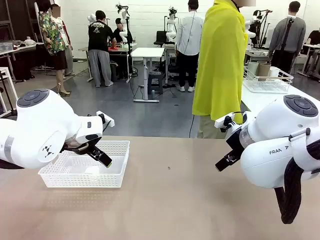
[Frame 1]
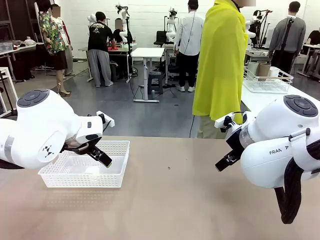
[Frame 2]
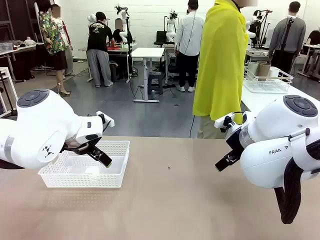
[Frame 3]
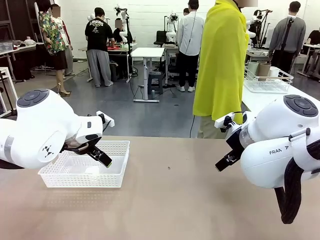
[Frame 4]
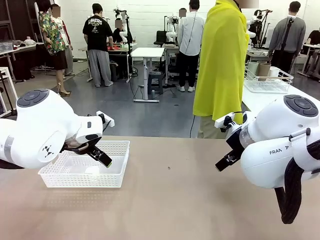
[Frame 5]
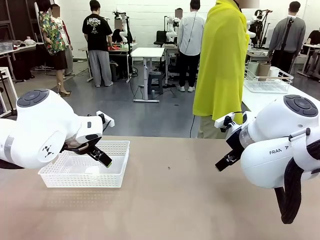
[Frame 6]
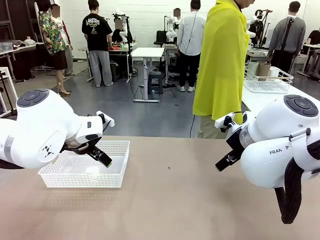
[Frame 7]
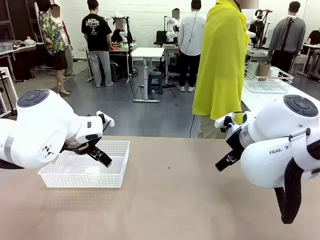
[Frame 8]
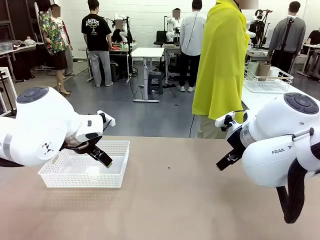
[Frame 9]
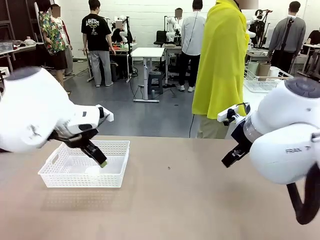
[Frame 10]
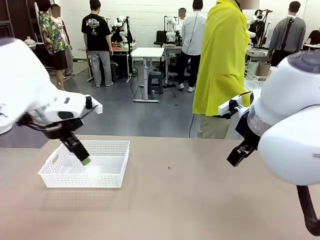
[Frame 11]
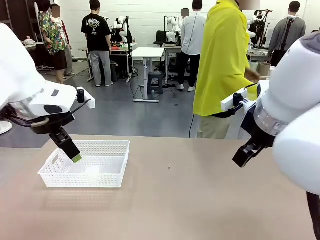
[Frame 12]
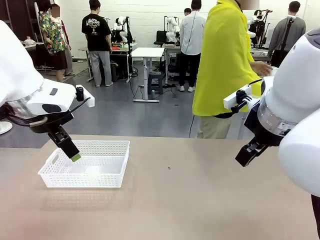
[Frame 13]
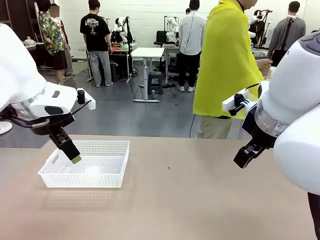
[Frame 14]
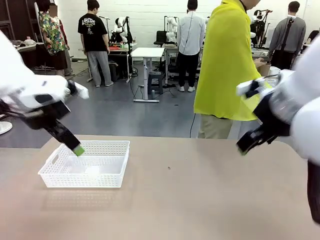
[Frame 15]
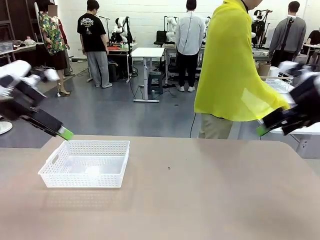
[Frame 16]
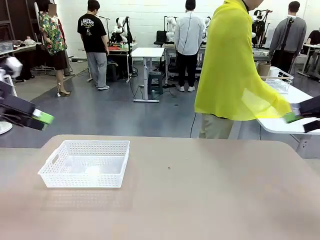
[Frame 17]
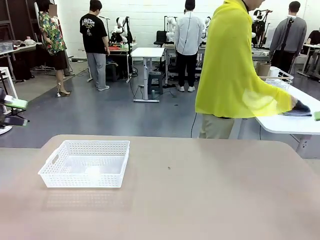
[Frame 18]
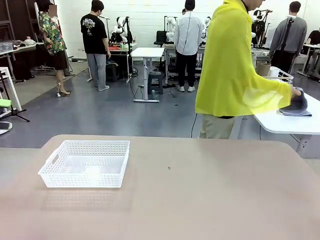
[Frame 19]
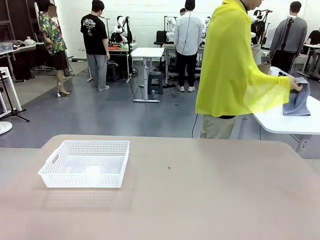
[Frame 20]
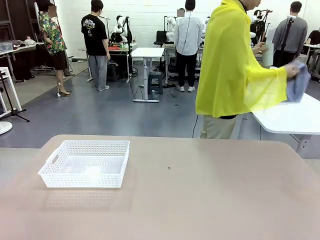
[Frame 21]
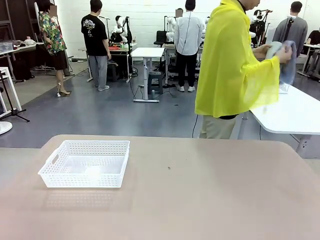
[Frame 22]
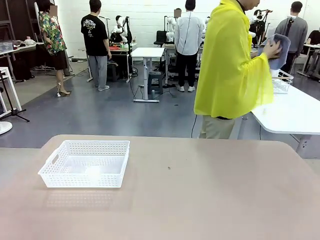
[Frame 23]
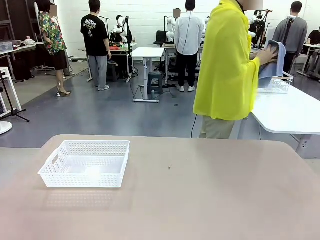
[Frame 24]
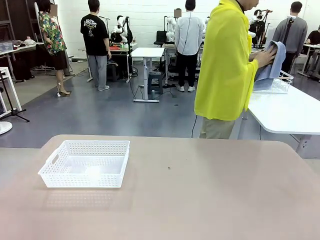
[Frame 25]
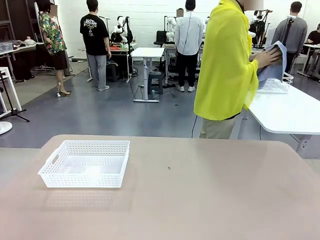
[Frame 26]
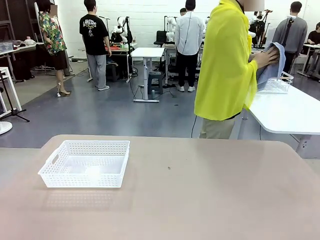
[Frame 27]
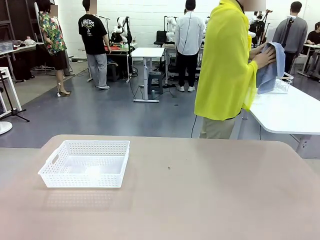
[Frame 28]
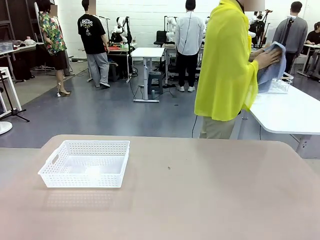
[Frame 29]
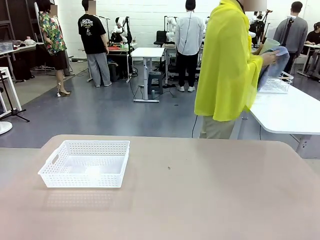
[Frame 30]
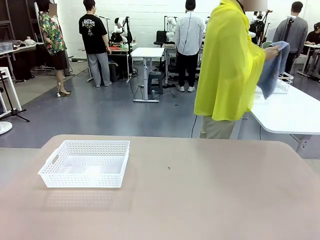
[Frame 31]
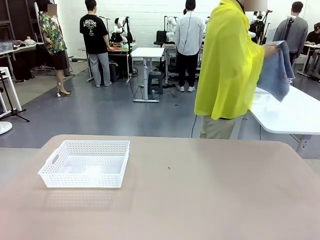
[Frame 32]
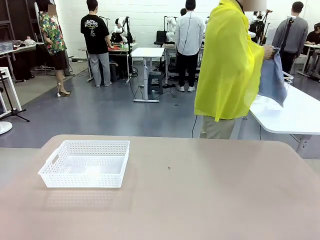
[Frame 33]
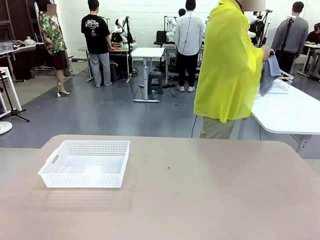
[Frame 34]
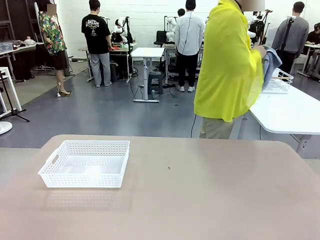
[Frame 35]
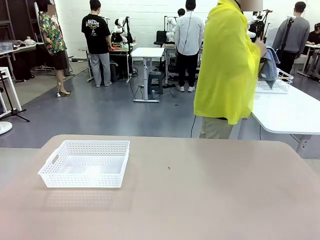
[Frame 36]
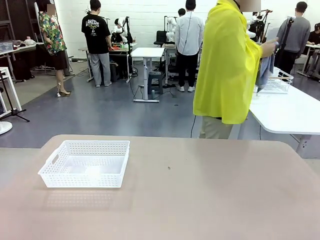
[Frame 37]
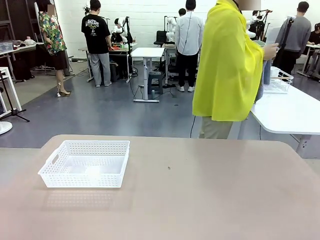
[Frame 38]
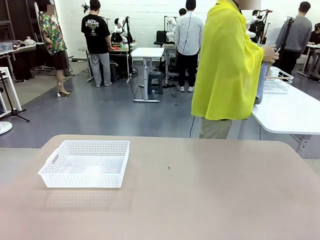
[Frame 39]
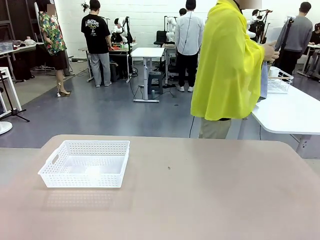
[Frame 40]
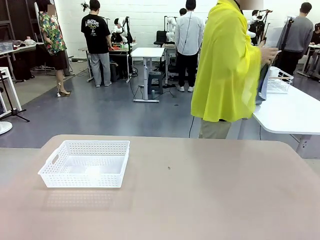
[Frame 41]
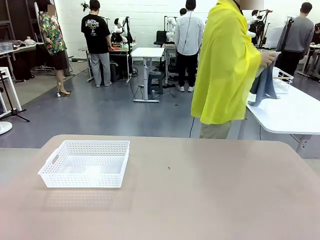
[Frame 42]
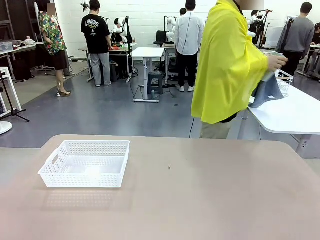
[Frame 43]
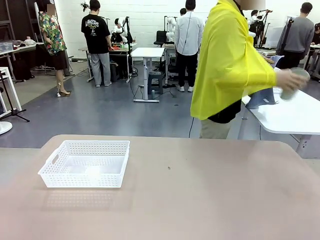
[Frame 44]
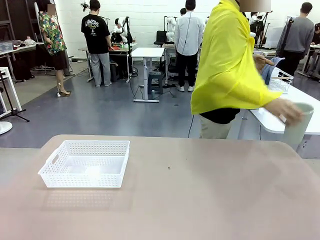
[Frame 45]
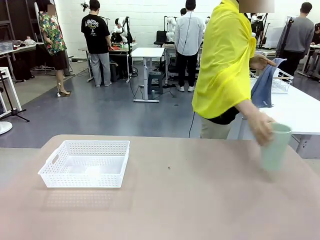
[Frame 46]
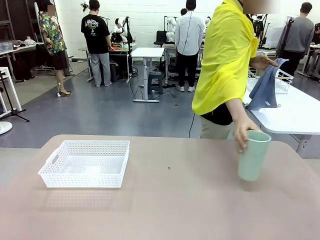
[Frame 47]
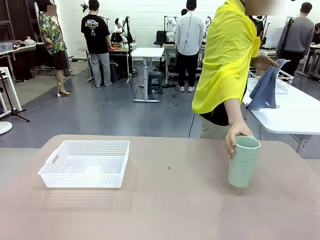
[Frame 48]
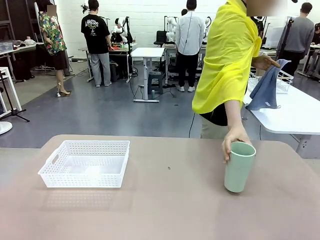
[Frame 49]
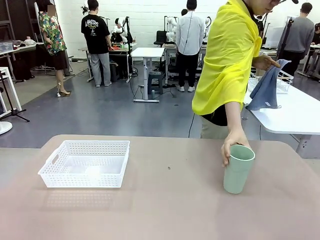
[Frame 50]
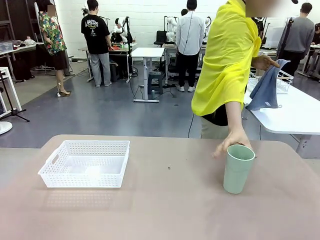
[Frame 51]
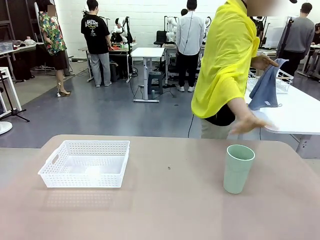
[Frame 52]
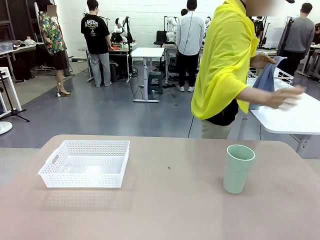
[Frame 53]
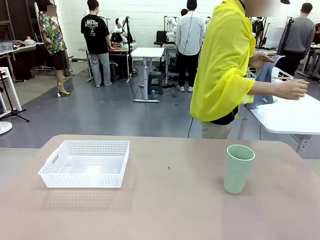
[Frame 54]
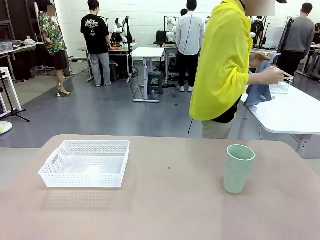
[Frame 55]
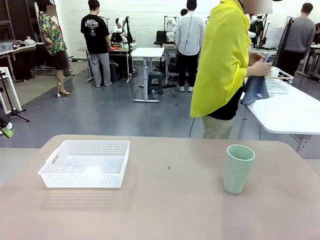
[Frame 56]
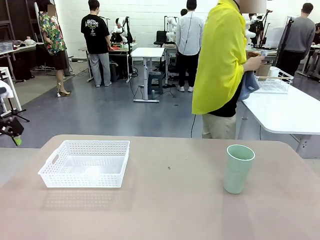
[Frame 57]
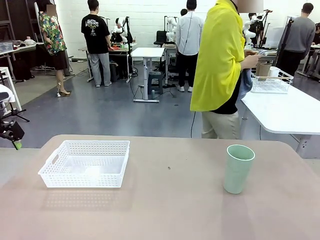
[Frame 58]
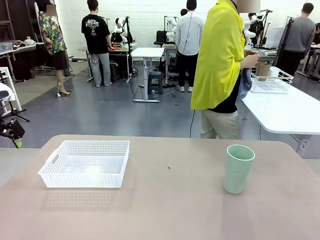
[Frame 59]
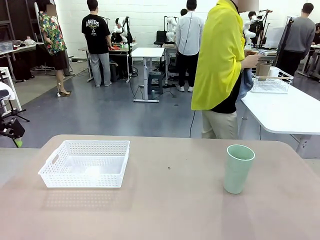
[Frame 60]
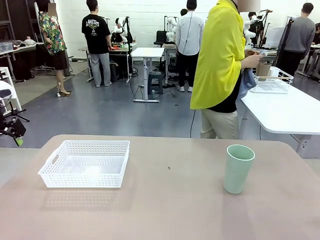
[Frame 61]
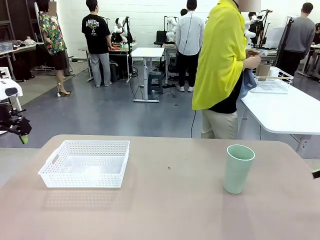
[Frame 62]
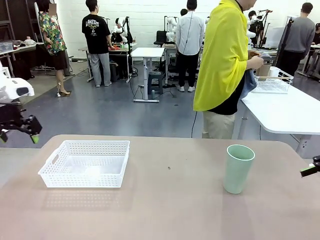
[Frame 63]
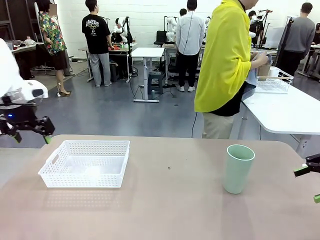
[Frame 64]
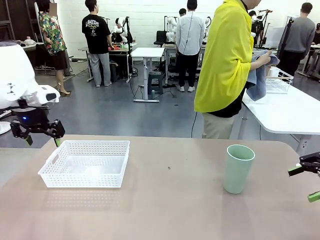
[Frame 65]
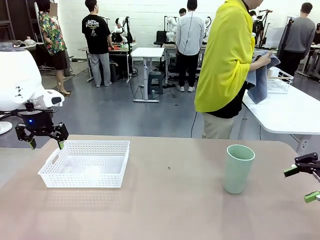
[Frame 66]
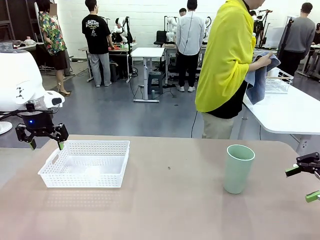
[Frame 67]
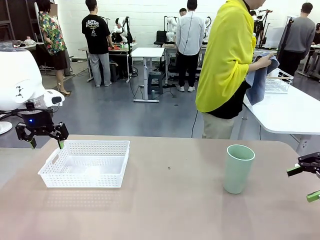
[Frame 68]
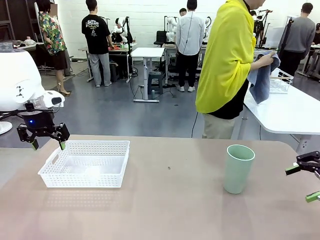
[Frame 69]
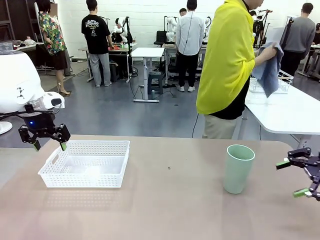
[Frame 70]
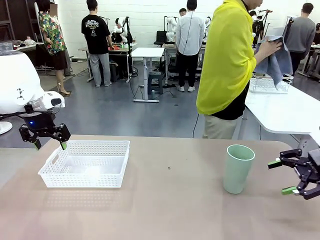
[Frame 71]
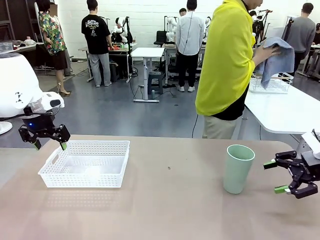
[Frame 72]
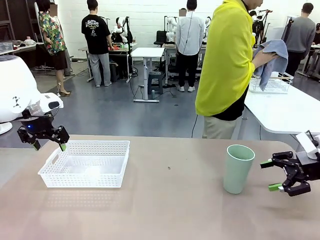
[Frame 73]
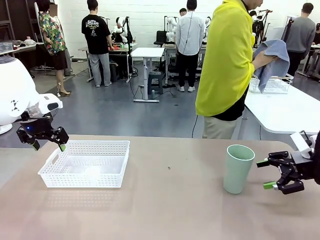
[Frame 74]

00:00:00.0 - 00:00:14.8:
Task: Clean and organize the cups into the basket.
Robot: Pick up the Organizing basket and move it to the center of the table, then pick up the Reusable plastic cup from the right side of the table and place it inside the Organizing basket.
Person: Picks up a cup and a towel, cleans the cup with the towel, and places it on the left side of the robot table.
